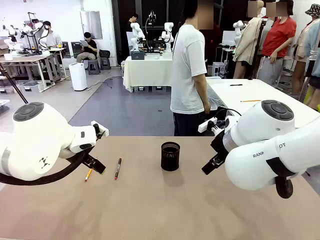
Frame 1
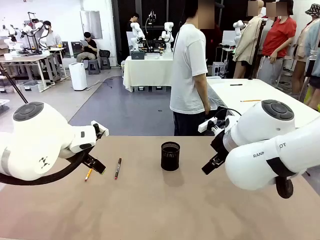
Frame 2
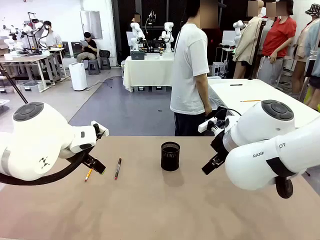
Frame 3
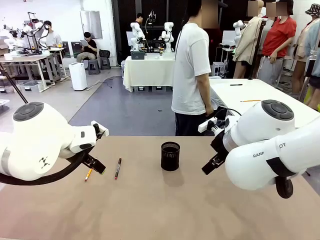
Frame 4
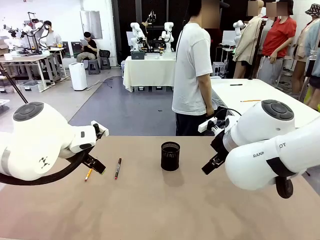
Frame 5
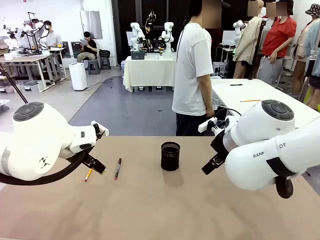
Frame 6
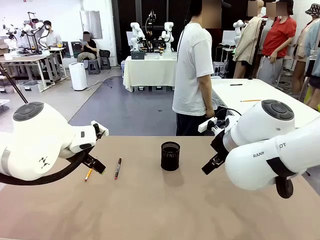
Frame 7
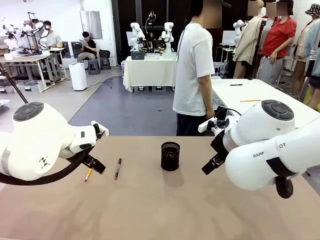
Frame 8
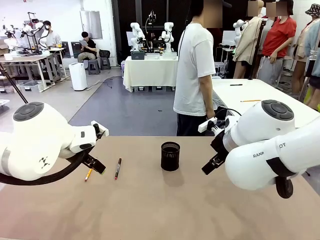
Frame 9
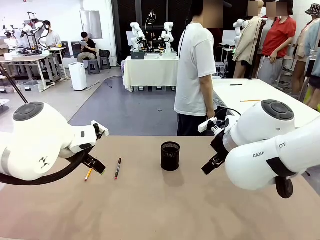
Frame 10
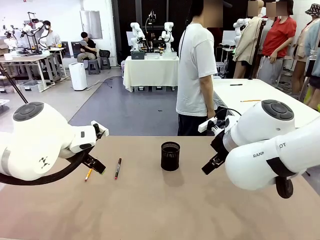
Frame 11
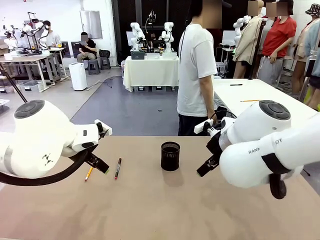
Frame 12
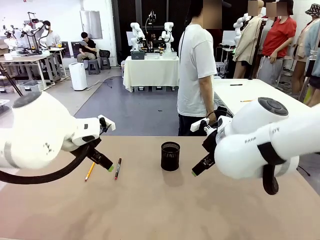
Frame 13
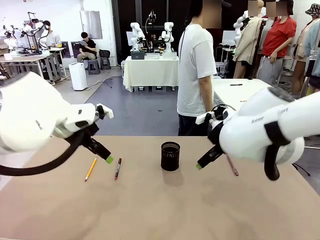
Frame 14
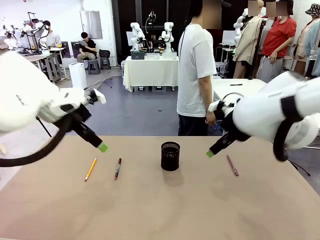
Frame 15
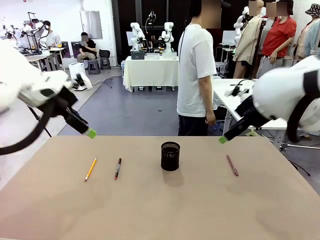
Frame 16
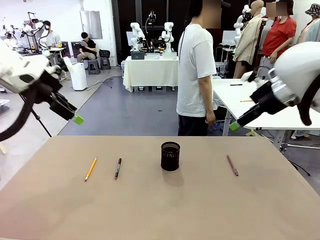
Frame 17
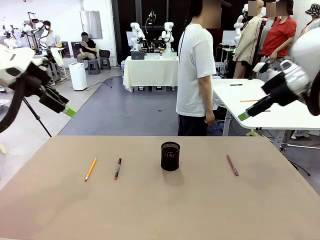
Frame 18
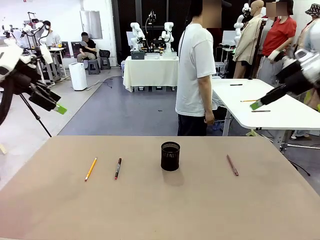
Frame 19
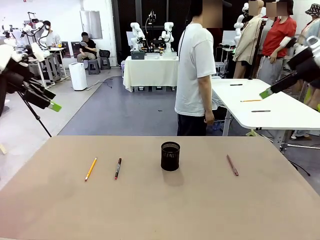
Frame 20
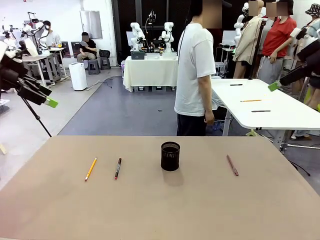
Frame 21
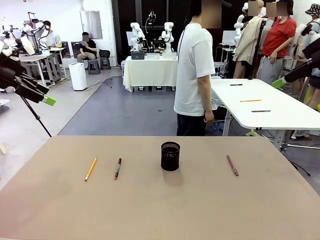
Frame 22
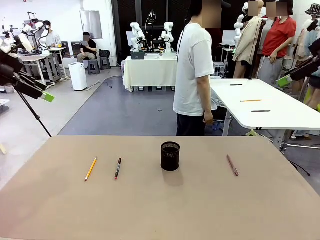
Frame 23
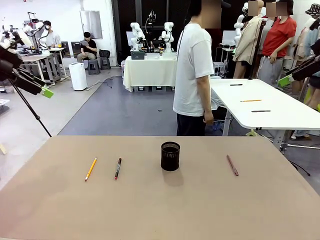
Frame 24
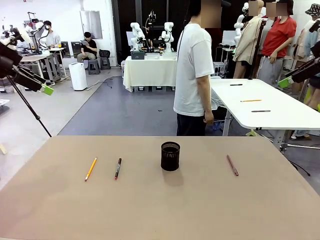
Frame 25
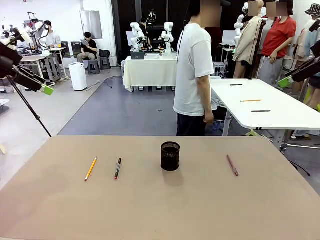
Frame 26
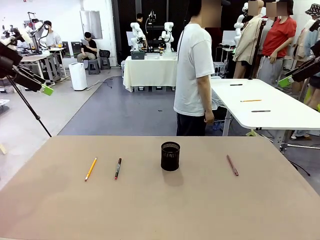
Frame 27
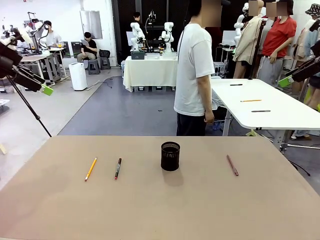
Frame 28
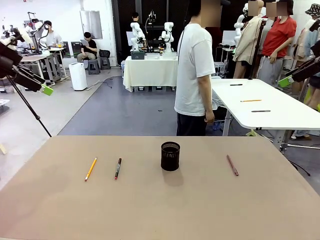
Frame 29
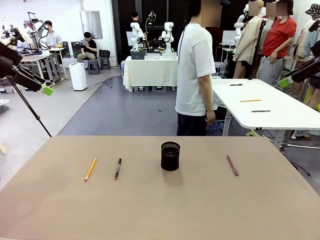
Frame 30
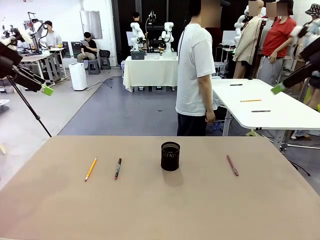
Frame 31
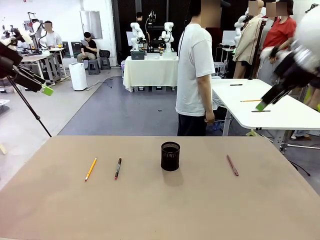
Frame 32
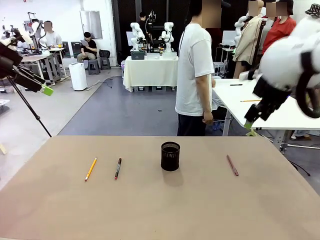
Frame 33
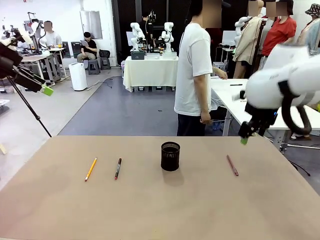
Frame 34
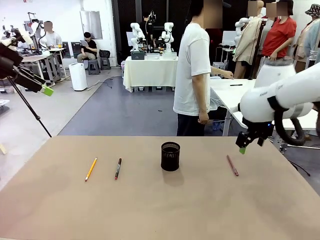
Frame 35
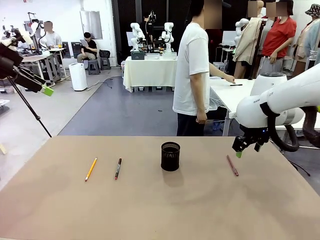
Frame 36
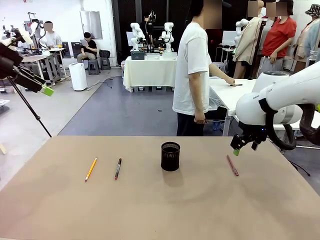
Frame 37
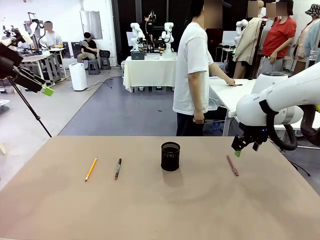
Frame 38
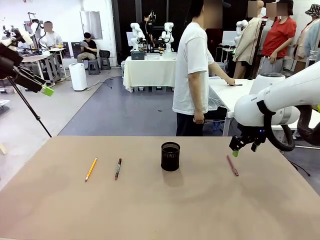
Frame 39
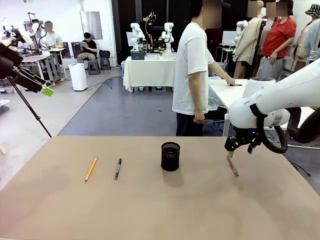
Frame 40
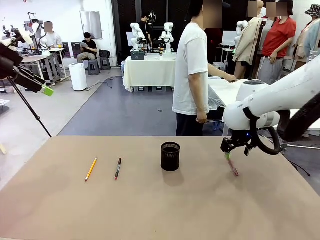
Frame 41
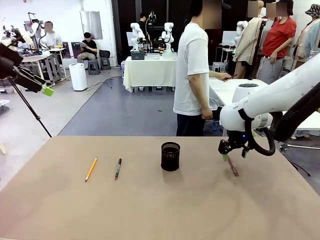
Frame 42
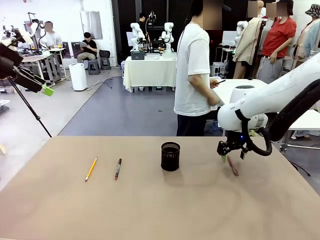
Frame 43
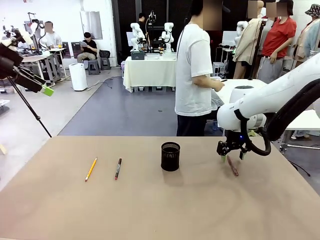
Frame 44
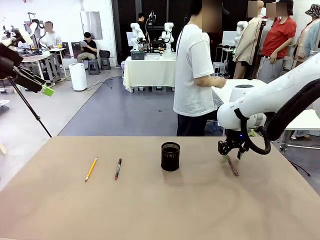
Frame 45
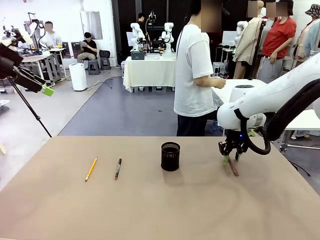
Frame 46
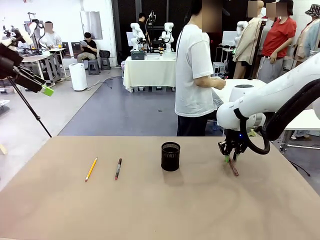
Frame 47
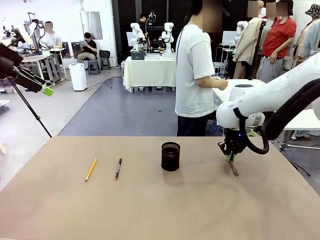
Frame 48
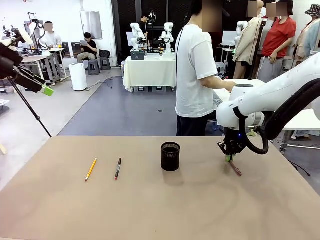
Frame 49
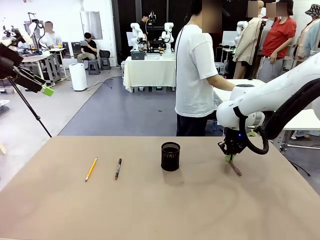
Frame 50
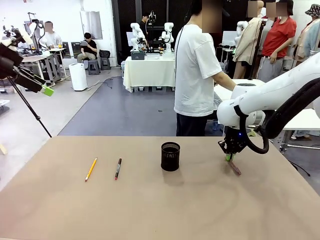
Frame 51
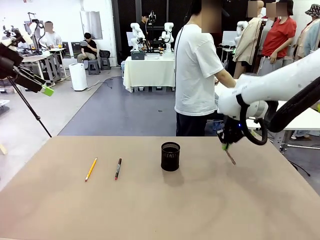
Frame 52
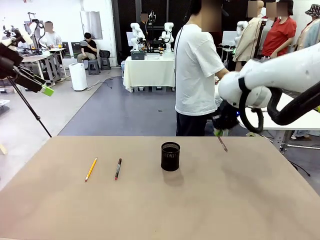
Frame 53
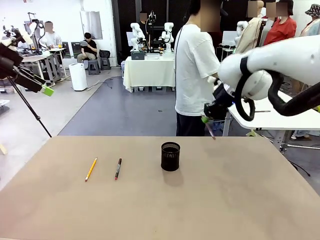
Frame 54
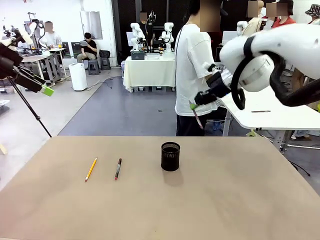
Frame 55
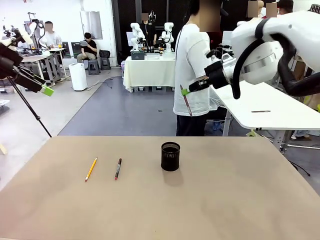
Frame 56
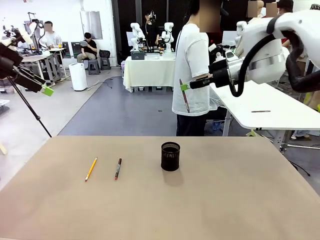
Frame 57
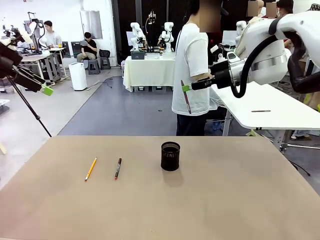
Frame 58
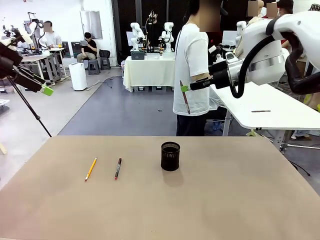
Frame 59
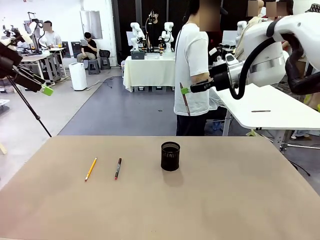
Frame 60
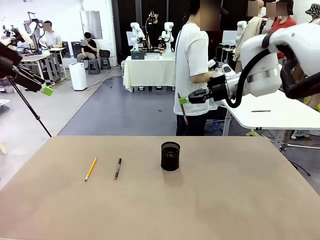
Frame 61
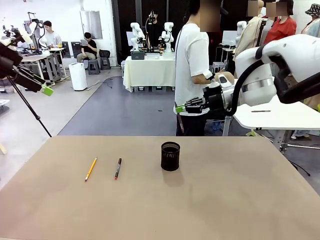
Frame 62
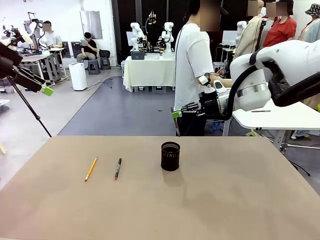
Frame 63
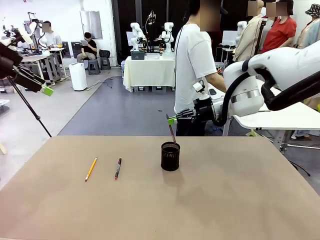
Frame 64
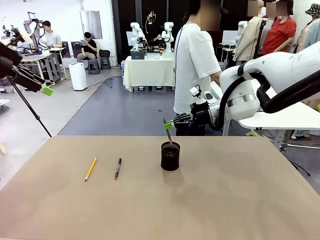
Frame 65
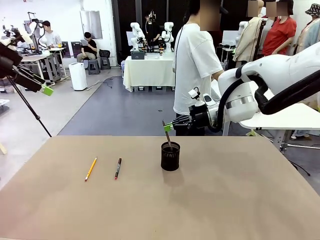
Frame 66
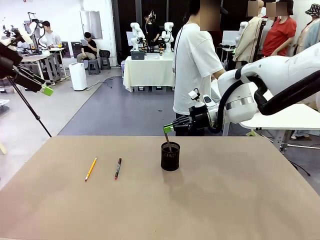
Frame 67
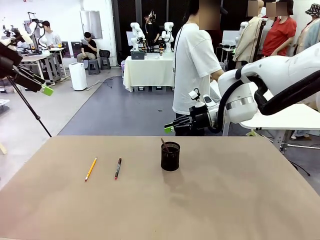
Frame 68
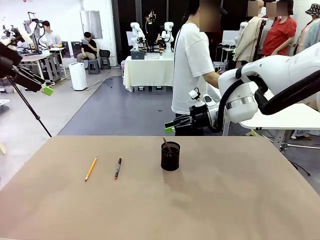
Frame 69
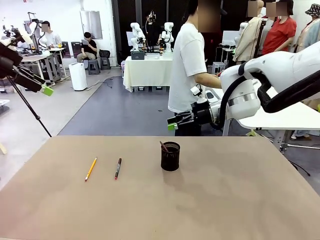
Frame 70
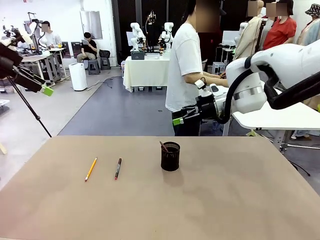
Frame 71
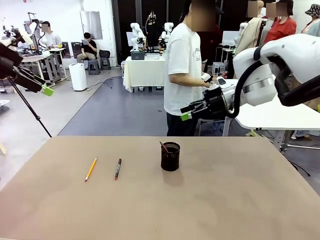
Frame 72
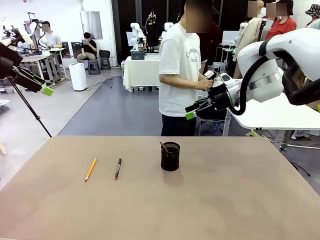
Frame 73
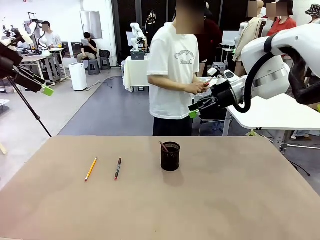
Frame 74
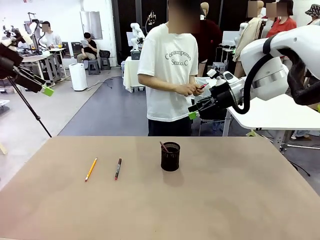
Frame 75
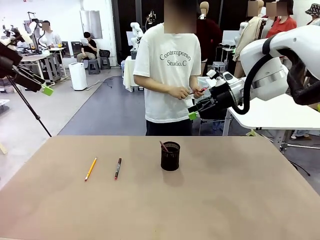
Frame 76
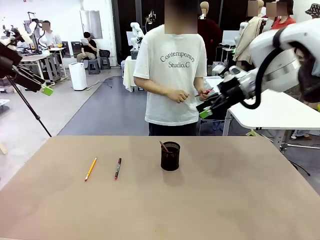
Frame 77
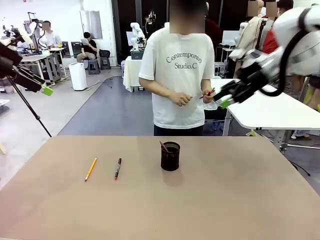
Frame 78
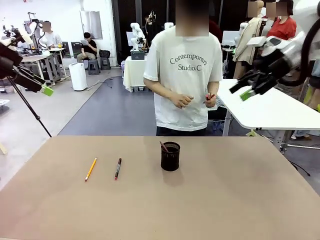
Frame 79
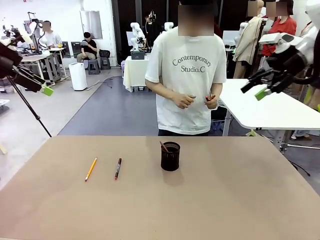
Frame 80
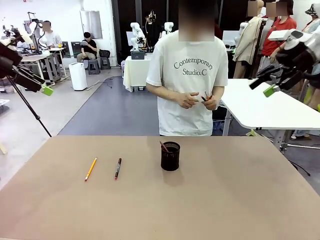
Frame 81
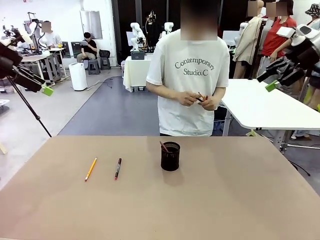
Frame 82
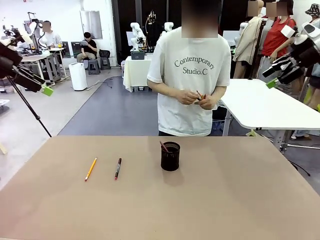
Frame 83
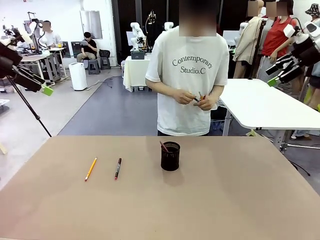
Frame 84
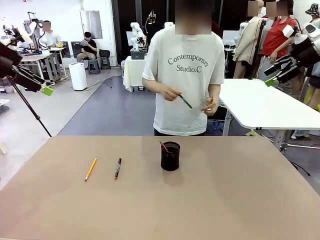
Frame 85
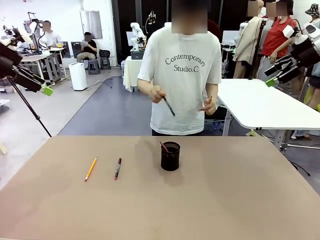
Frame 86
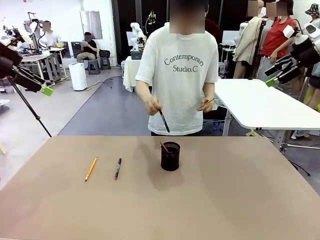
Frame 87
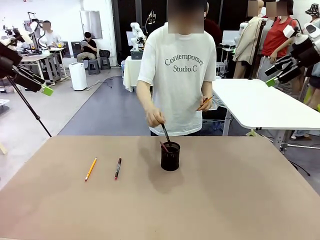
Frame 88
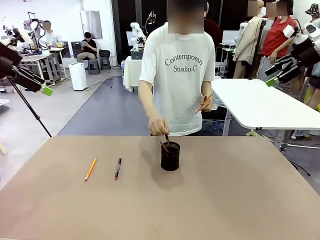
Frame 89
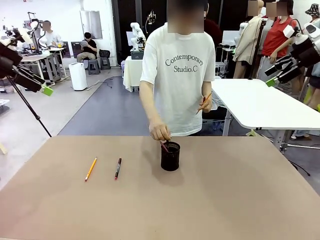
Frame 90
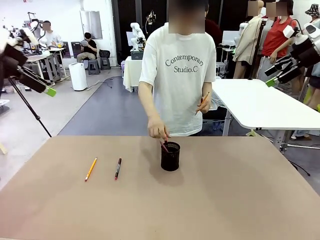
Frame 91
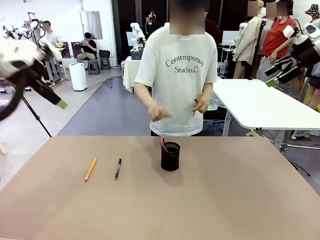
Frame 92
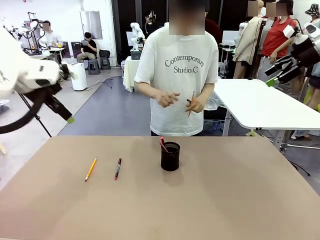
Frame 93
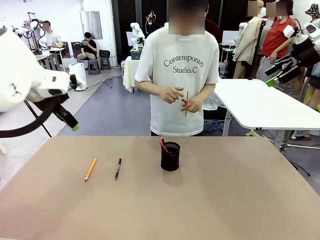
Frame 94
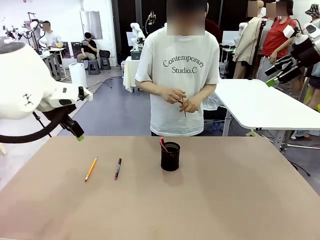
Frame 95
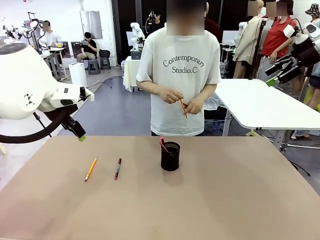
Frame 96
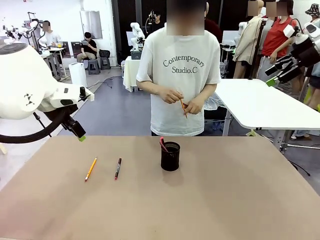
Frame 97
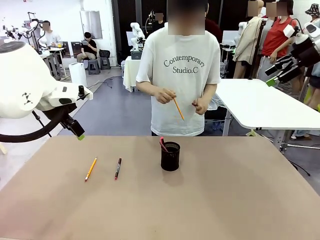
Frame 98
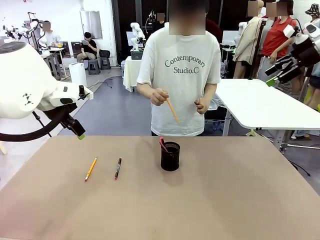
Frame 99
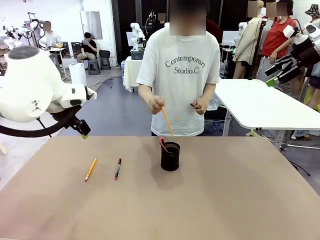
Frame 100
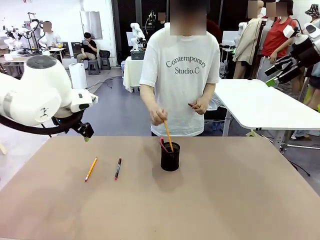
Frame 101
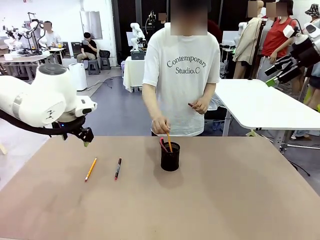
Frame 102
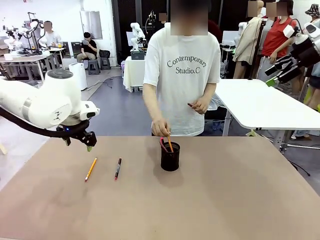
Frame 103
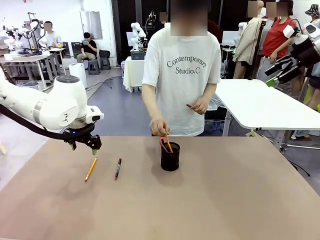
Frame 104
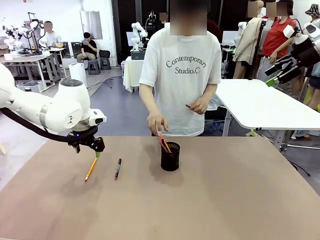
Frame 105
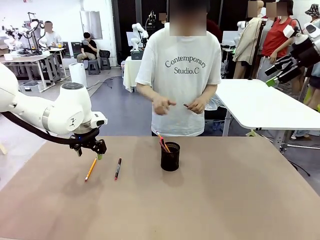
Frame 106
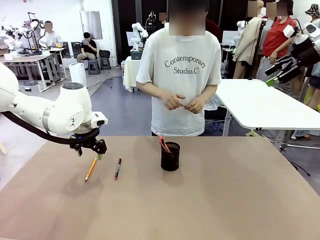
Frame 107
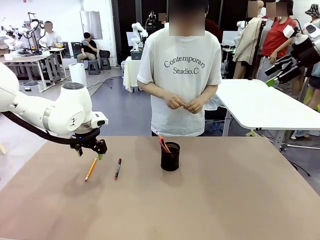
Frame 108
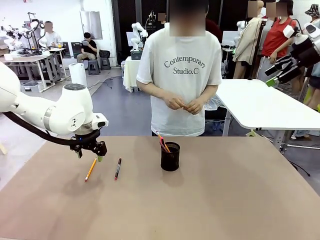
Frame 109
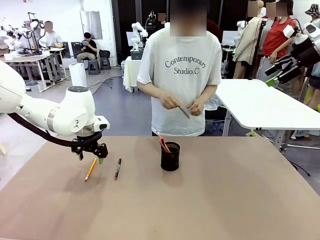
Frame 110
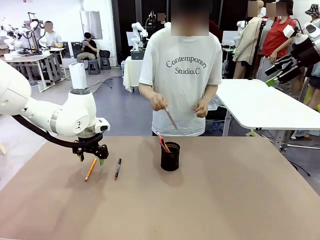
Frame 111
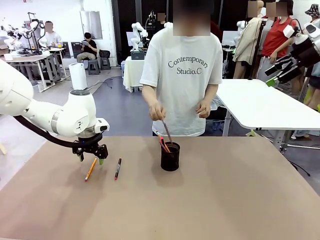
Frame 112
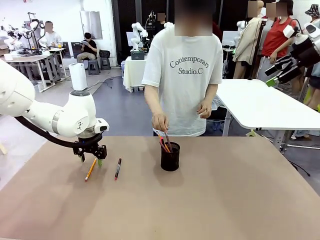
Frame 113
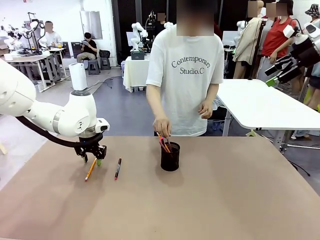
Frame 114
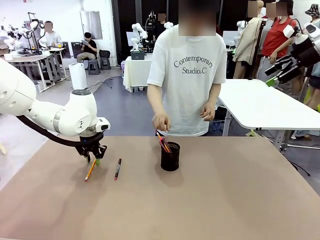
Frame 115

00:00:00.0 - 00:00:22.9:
Task: Place the pens into the pen holder.
Robot: Pick up a writing instrument from the table and place it into the Pen holder.
Person: Pick up all writing instruments from the Human table.
